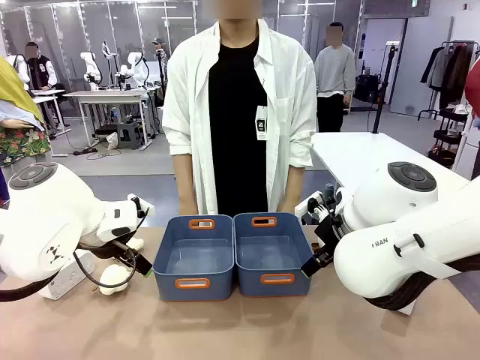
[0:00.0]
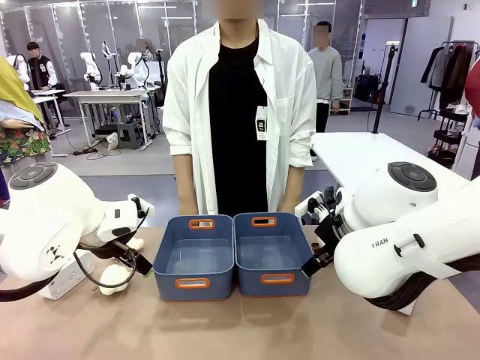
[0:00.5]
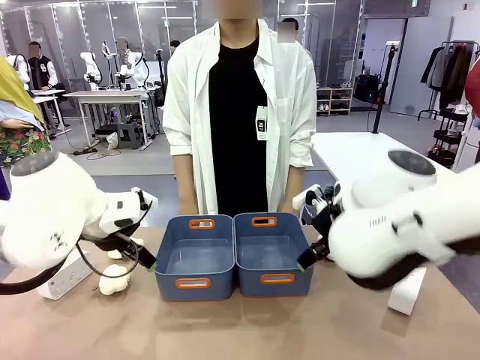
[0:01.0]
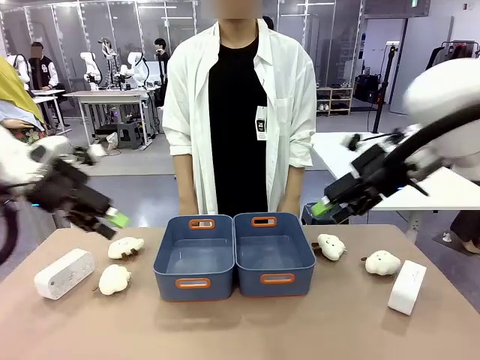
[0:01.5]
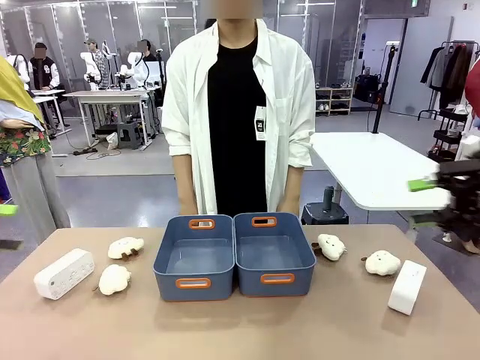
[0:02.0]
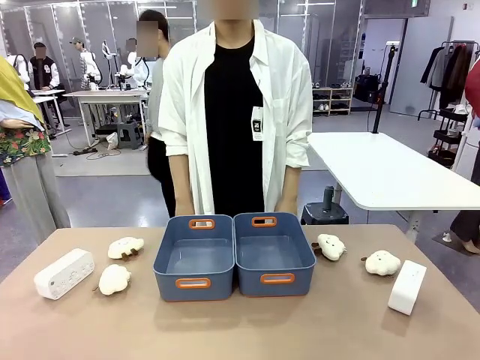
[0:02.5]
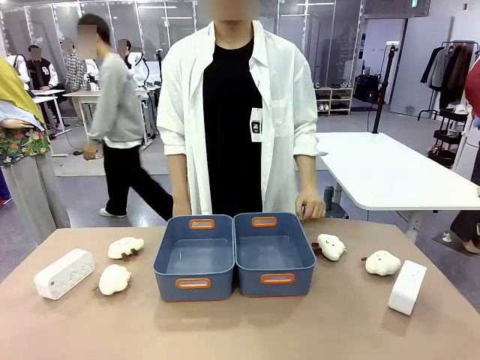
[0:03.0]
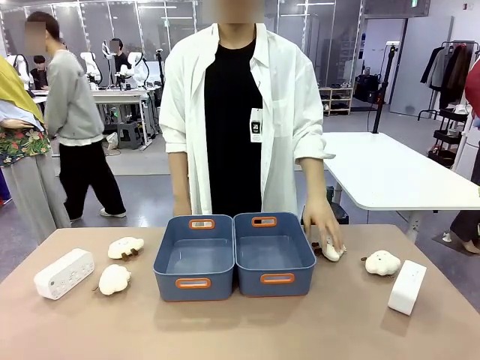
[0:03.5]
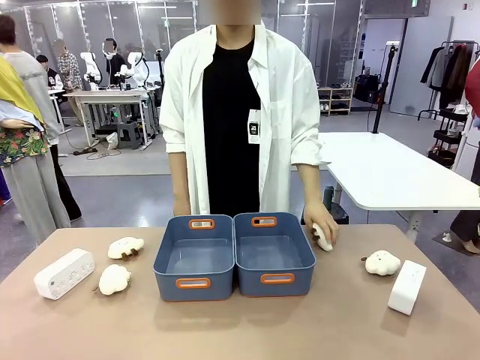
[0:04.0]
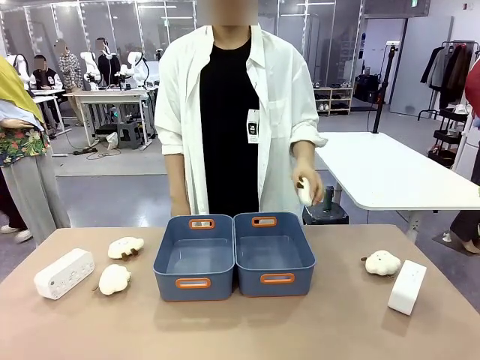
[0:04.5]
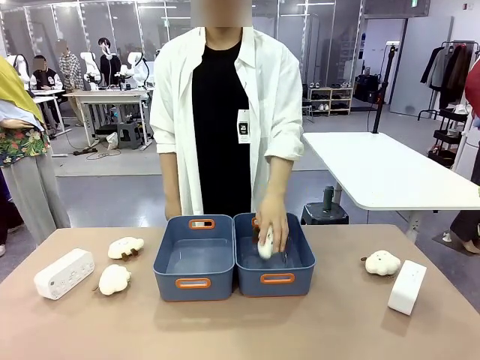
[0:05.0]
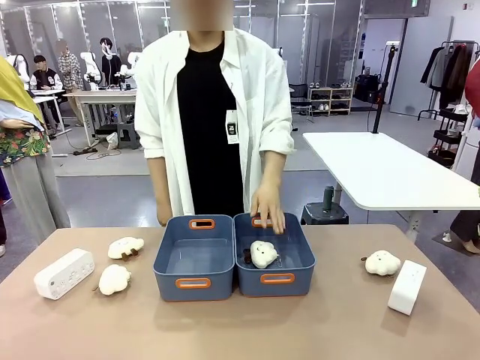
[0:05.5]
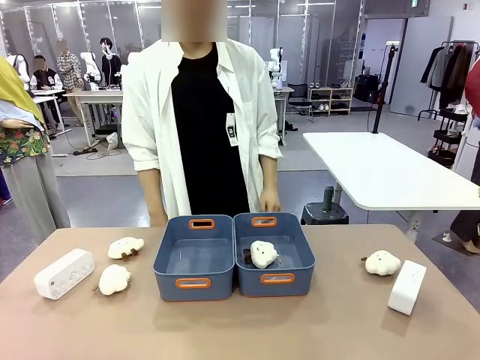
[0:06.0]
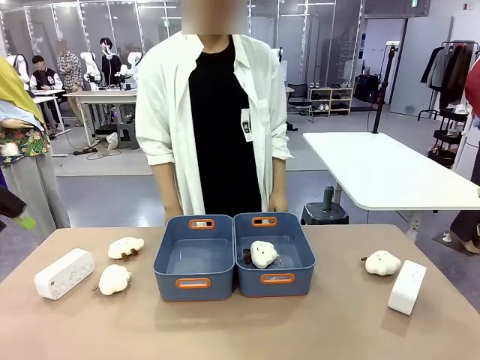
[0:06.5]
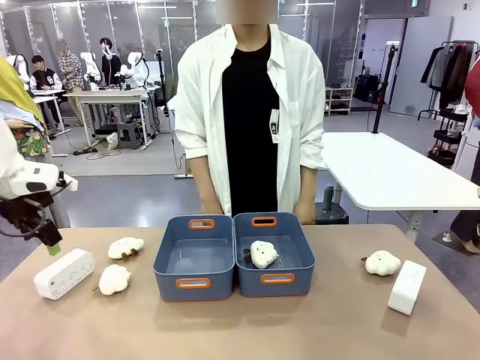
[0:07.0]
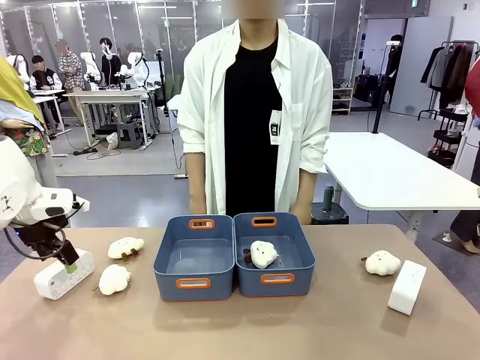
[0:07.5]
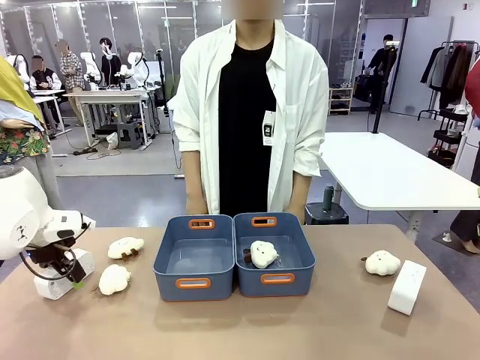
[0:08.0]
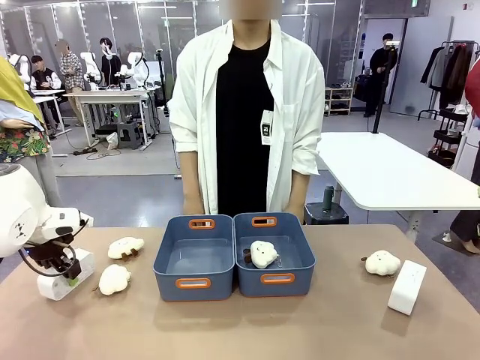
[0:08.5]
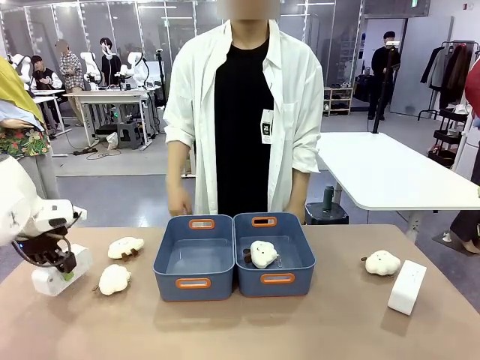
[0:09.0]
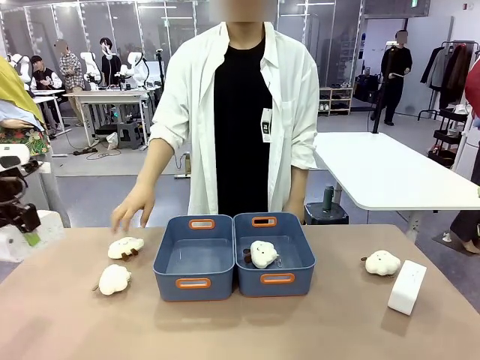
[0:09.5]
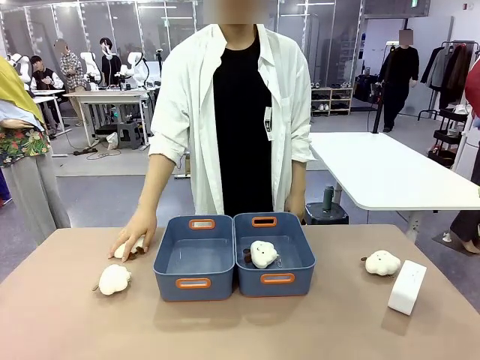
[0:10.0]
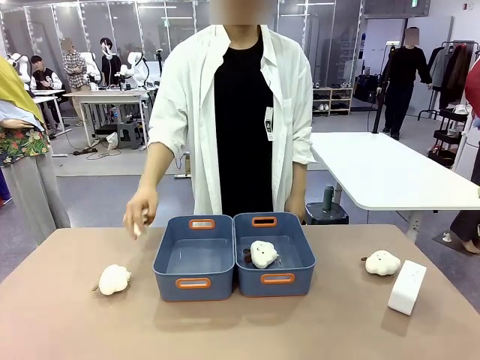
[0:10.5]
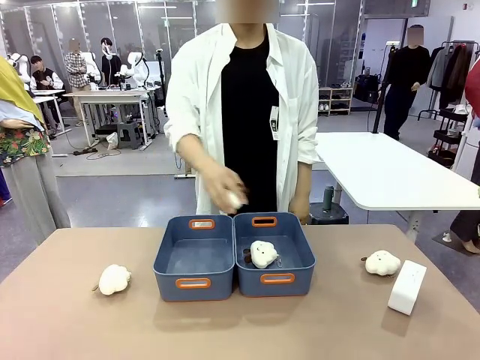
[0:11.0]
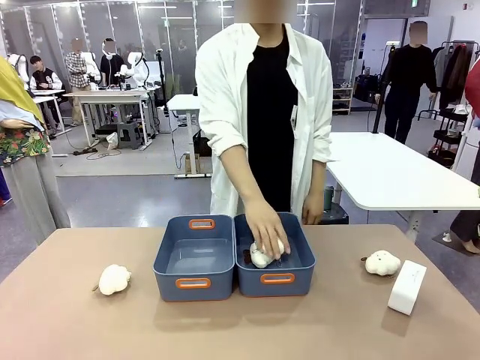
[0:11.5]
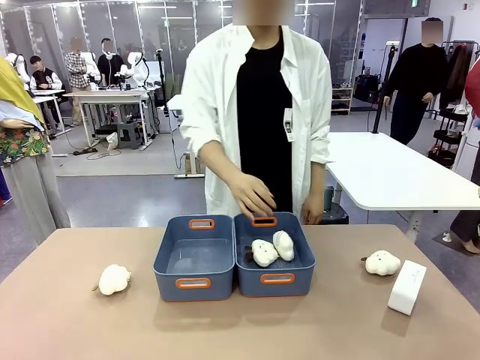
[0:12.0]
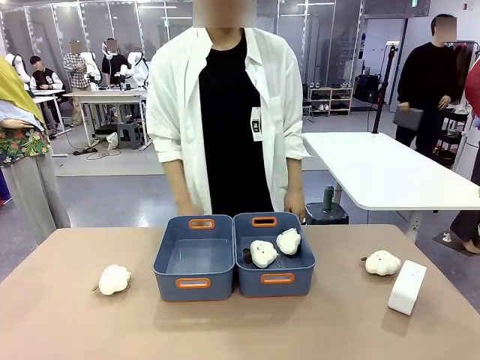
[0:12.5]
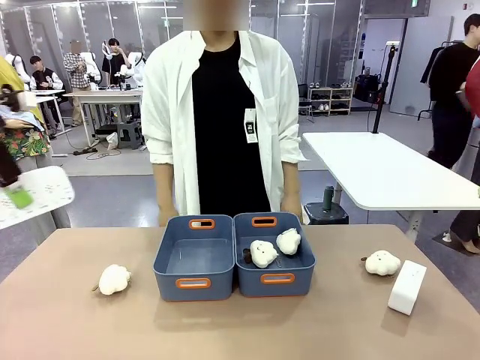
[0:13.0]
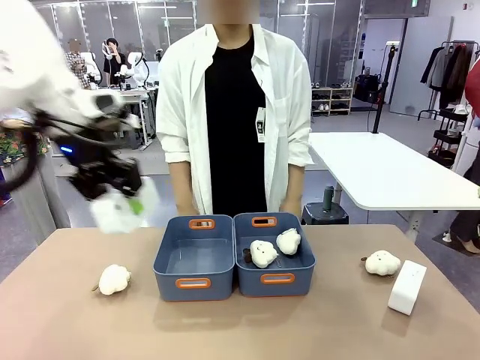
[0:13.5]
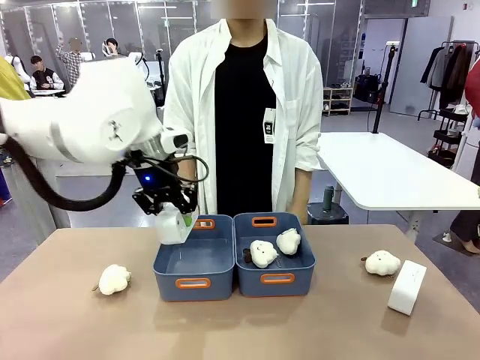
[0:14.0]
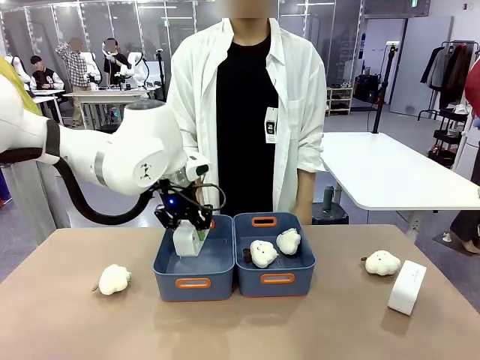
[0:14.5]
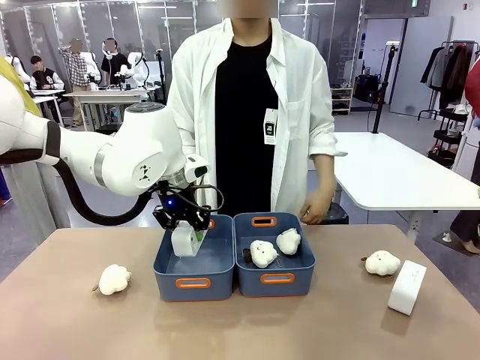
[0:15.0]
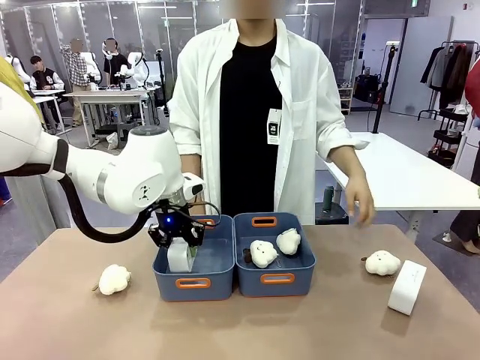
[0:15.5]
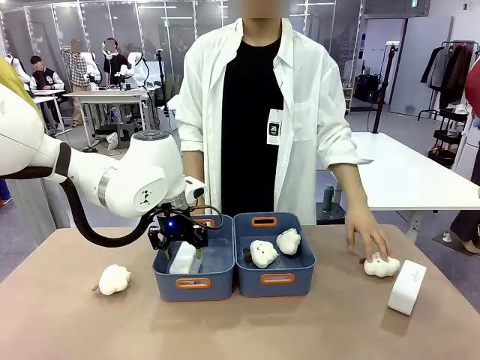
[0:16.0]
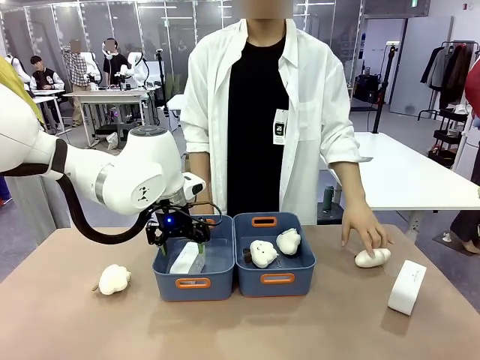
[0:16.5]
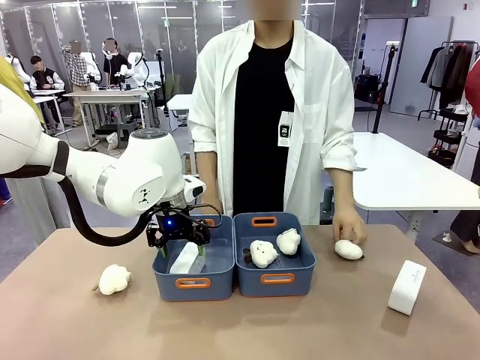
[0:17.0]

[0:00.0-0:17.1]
Task: Sort the digital clocks into the basket.
Robot: Pick up the Digital clock from the table and place it into the empty Plastic storage basket.
Person: Pick up a plush toy from the table and place it in a plastic storage basket.

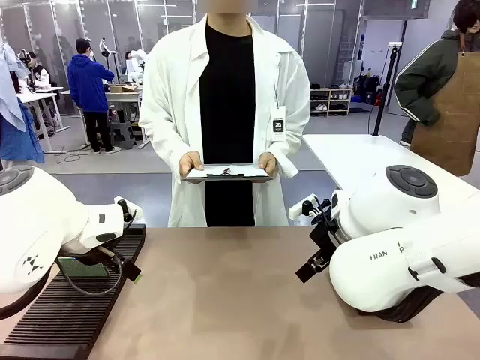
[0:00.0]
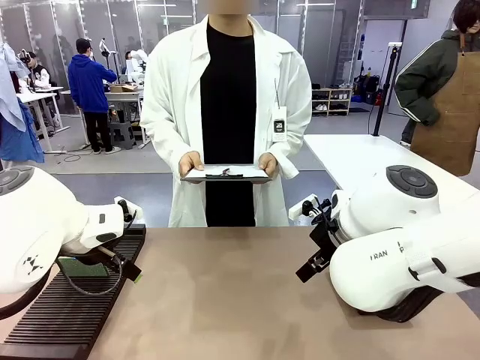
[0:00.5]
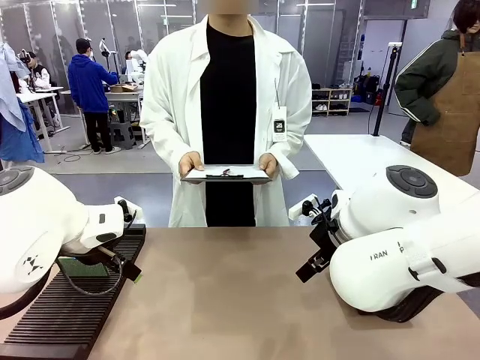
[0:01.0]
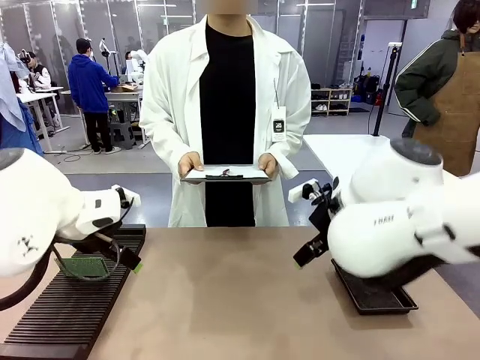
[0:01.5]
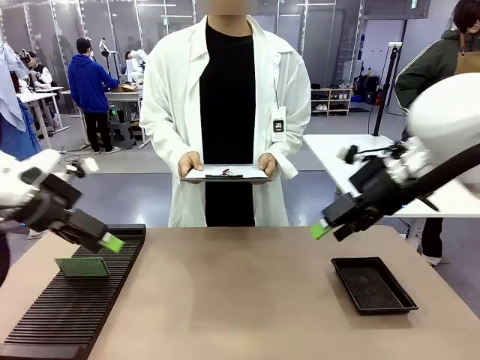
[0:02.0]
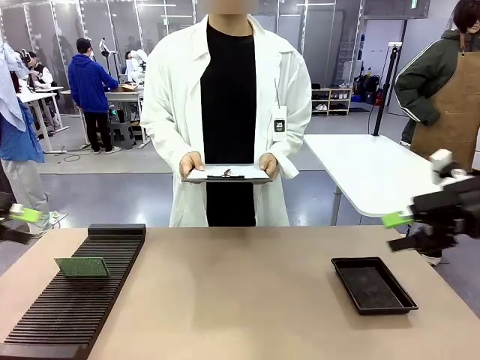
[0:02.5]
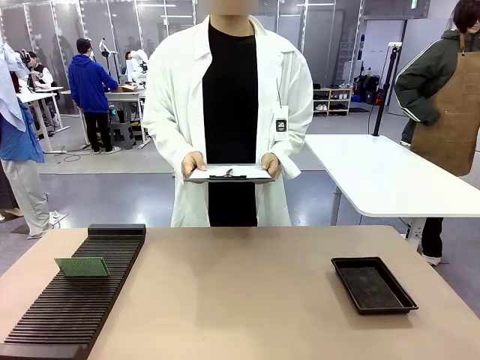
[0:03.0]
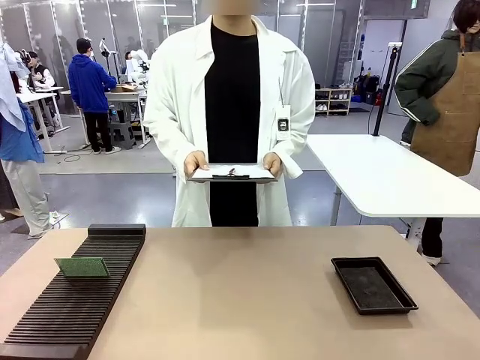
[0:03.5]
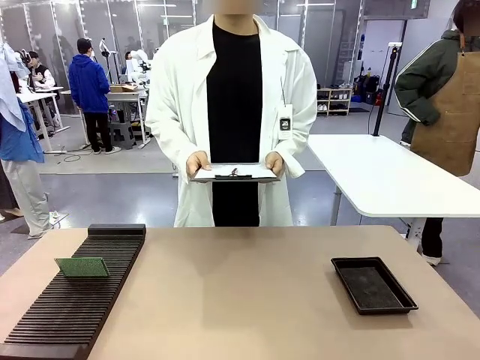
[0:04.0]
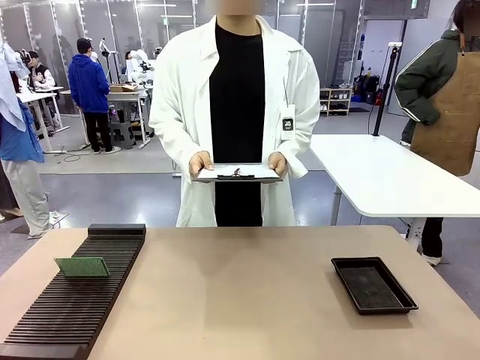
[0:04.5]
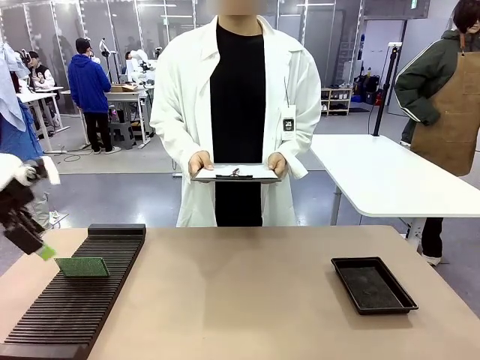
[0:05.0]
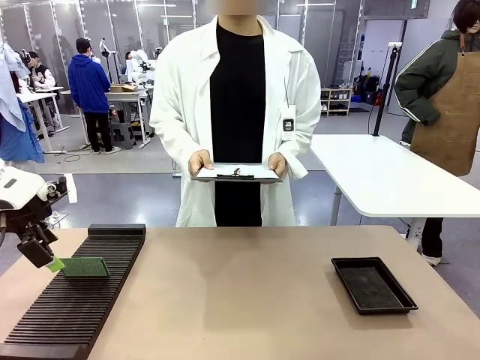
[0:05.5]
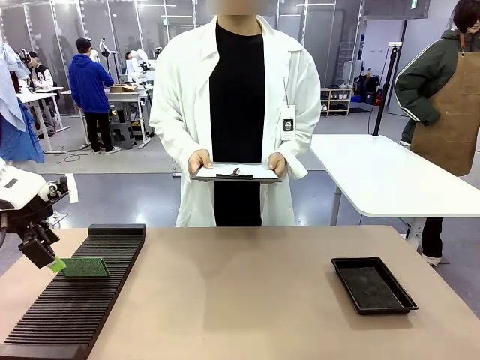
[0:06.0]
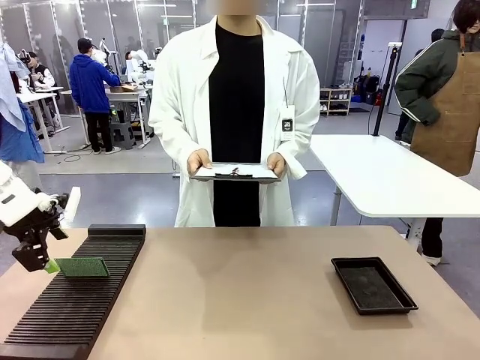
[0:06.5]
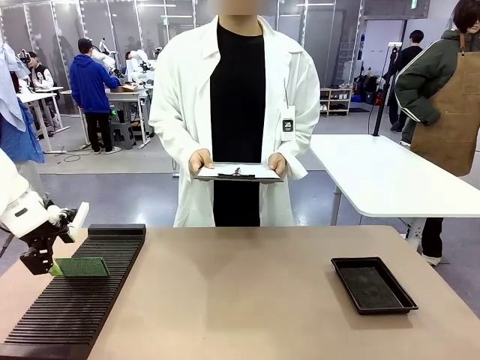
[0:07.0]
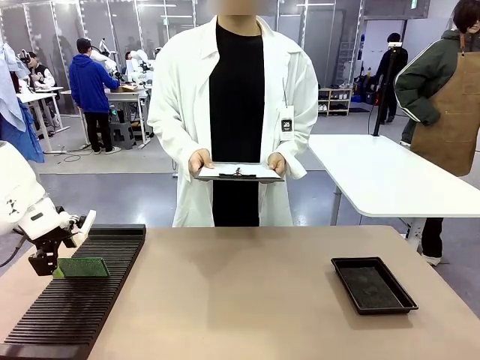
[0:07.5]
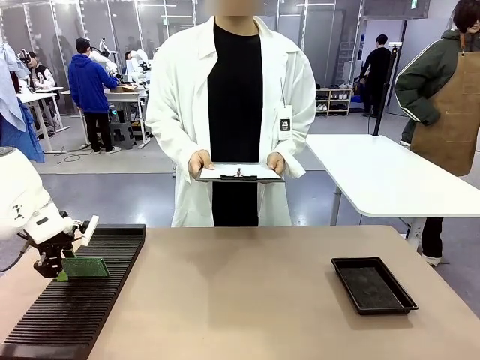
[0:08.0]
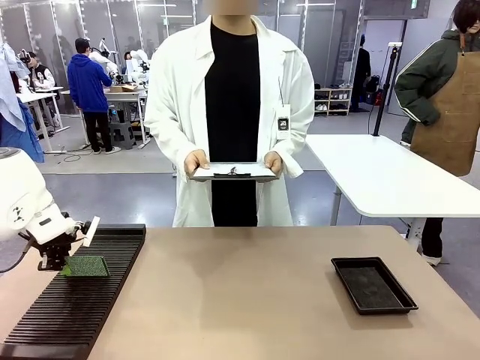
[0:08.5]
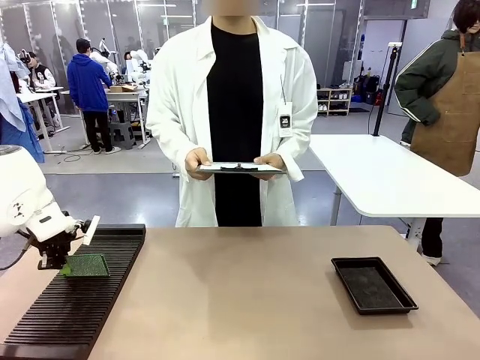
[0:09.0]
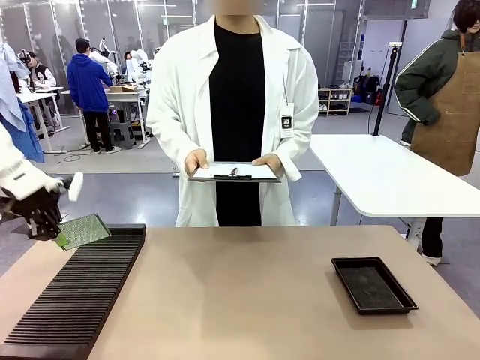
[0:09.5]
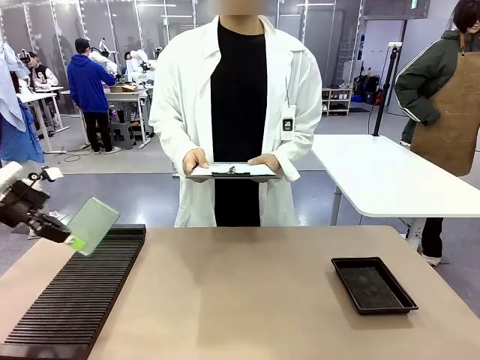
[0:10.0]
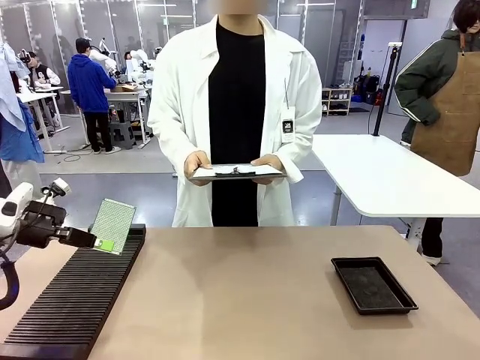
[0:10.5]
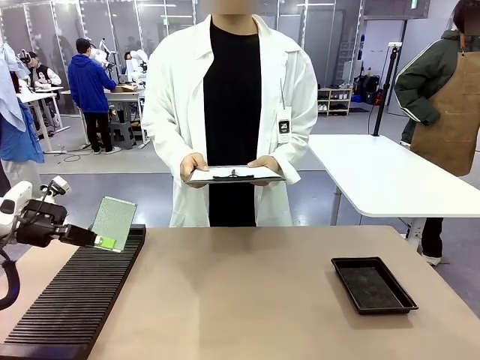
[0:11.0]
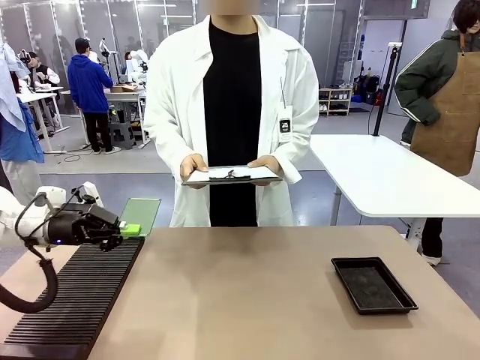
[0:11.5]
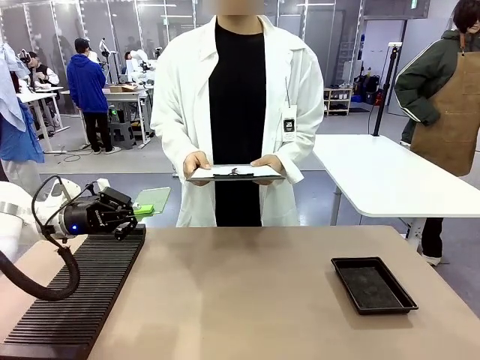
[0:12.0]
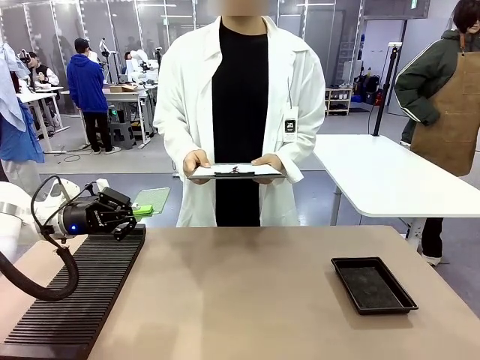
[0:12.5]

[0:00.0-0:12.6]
Task: Inspect the PCB.
Robot: Pick up the Blank PCB and present it to the human.
Person: Pick up the PCB presented by the robot.
